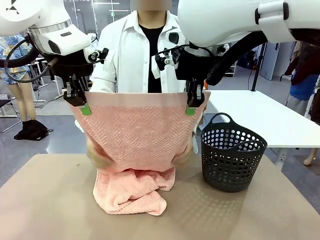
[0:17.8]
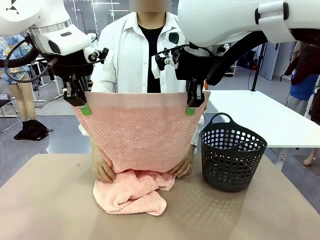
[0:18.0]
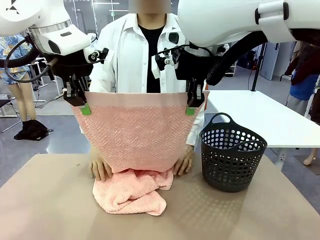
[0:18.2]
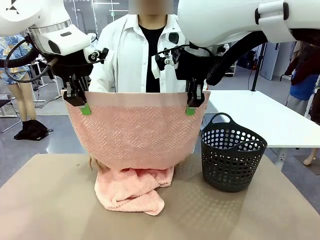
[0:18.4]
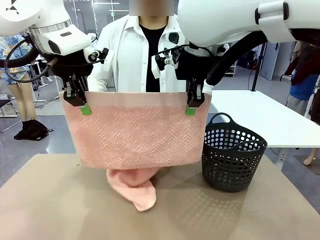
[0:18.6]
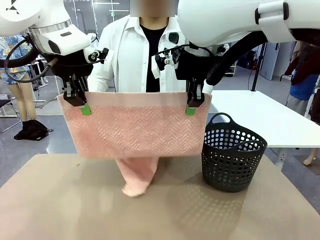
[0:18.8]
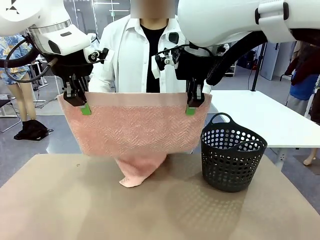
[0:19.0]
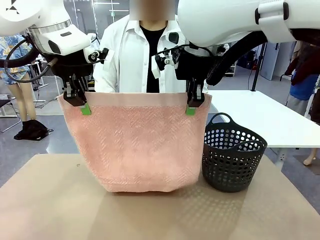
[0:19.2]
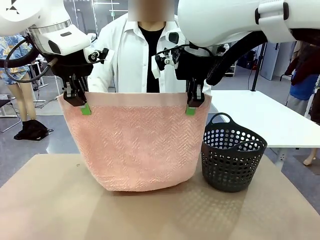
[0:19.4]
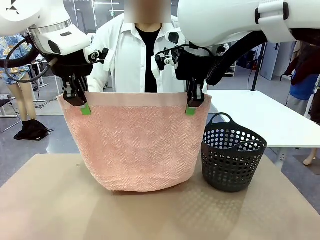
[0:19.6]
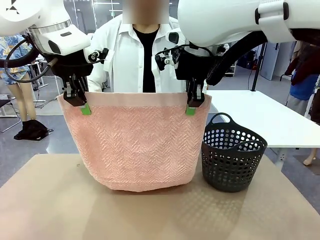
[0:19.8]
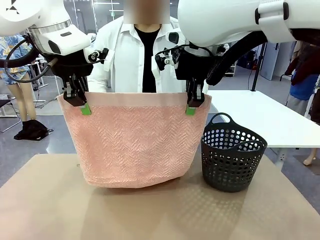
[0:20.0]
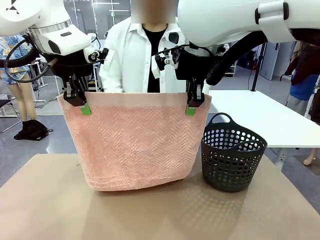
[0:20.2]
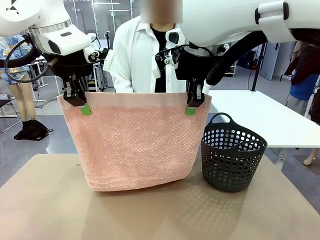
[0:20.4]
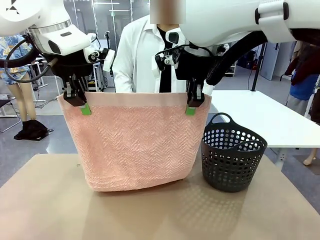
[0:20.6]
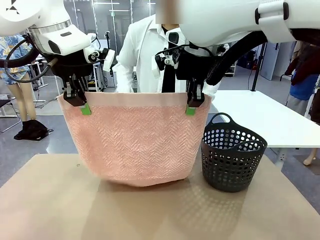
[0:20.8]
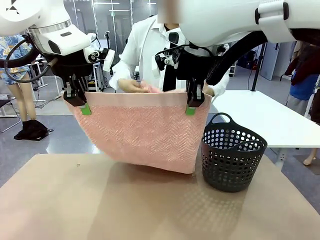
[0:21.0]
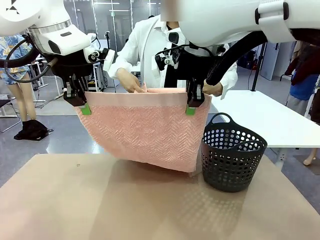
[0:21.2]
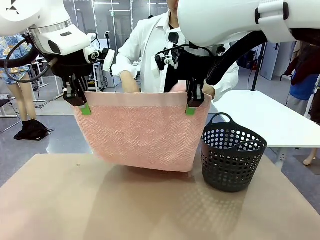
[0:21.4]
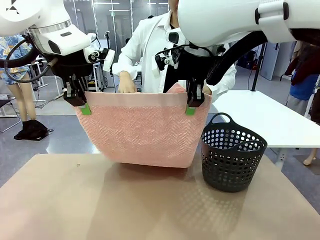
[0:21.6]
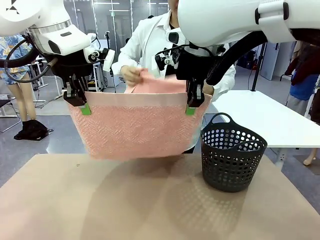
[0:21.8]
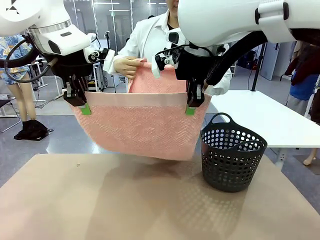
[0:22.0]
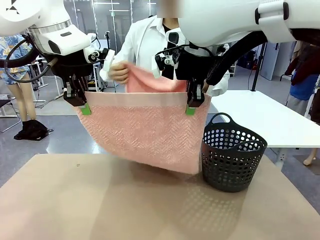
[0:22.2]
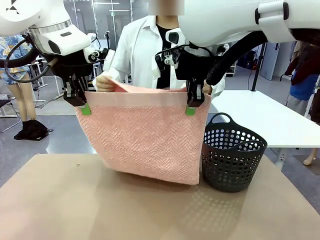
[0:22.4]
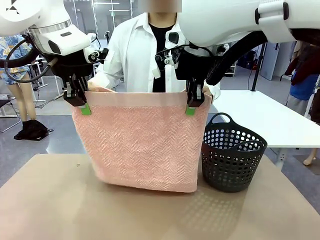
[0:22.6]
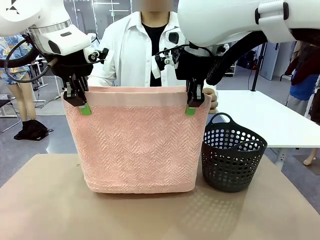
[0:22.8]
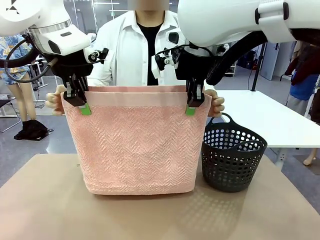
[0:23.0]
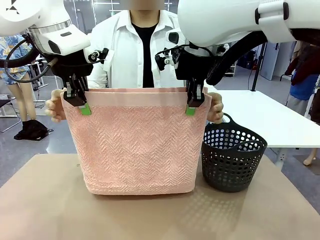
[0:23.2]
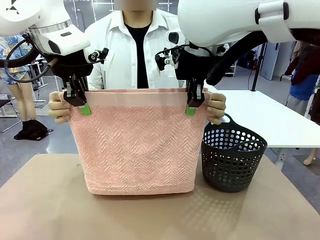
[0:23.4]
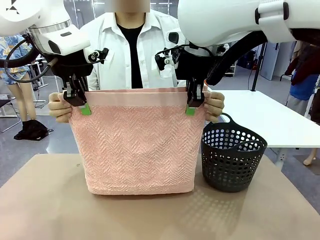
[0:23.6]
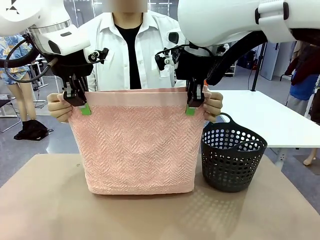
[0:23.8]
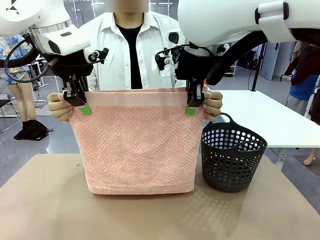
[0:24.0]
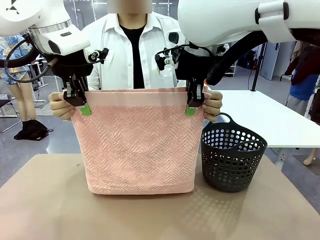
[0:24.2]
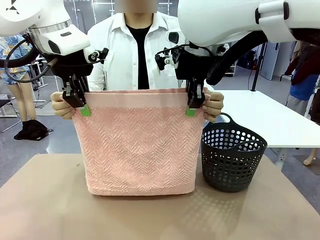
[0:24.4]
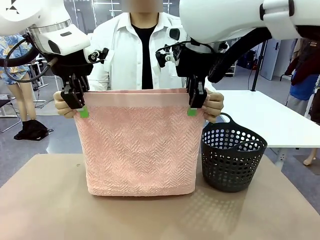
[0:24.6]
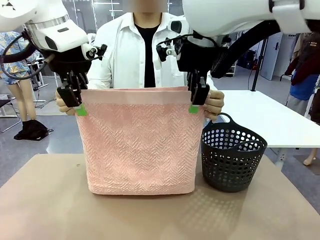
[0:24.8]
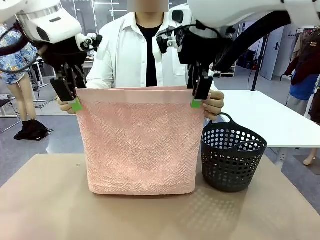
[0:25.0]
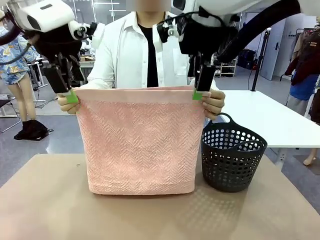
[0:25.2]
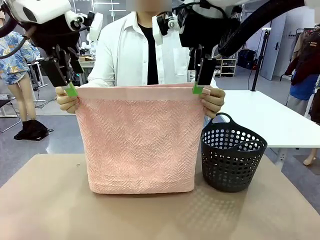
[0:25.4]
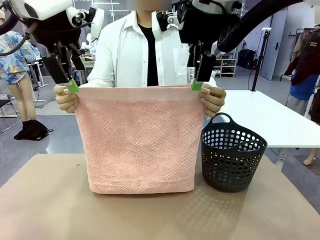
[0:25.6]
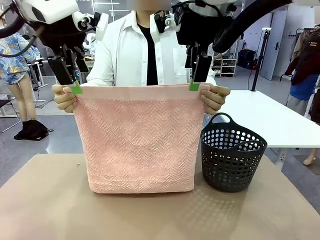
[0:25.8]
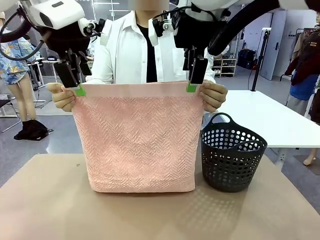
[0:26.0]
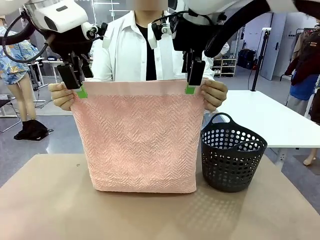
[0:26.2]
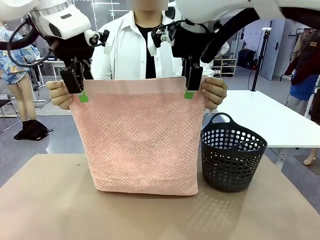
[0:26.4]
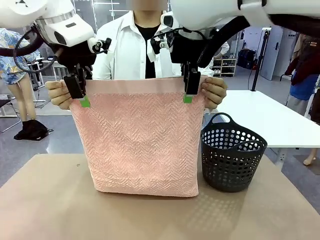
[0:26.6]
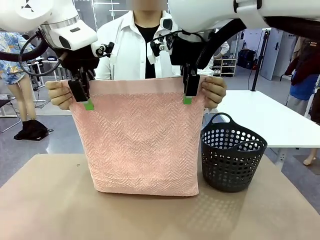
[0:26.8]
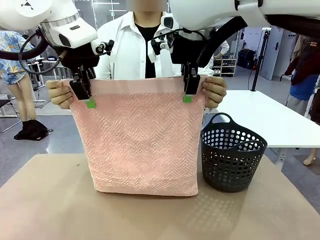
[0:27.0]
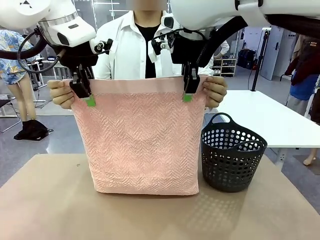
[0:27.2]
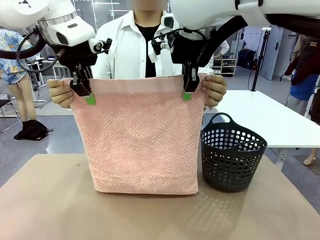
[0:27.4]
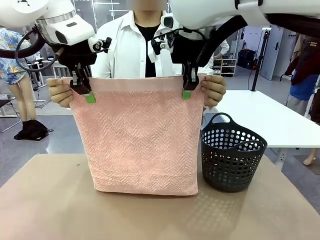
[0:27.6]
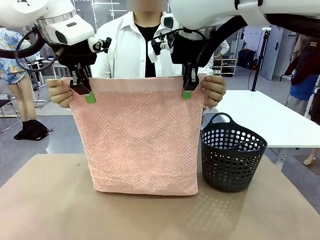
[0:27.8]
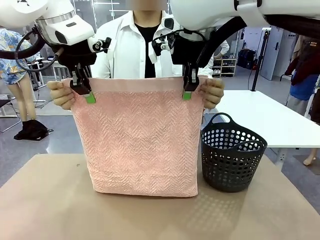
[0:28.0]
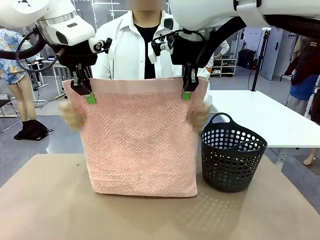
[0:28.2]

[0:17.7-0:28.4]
Task: Fold the towel.
Robot: Release the end of the 100 cm Hotel Towel you were holding and grab the top end of the folded side.
Person: Using the point held by the robot as a reference, grasp the opposite end, fold the towel in half, and then hold both ends of the folded towel.

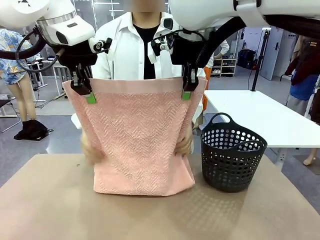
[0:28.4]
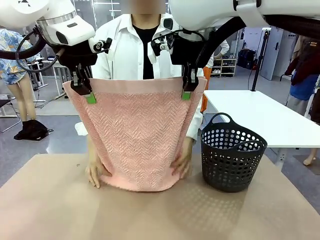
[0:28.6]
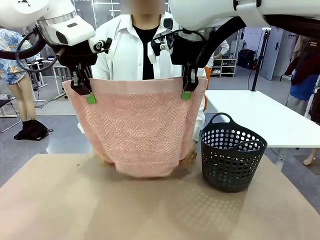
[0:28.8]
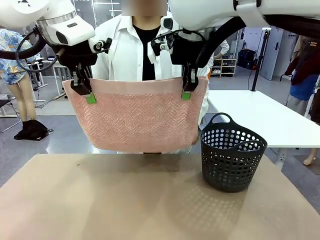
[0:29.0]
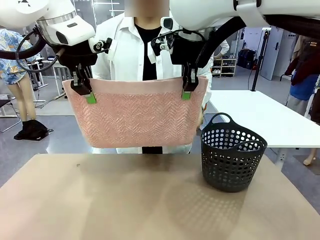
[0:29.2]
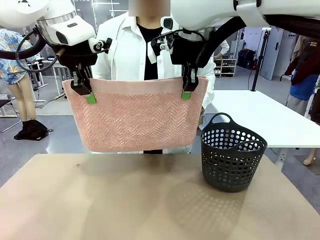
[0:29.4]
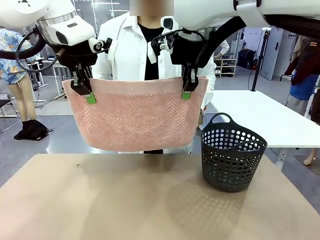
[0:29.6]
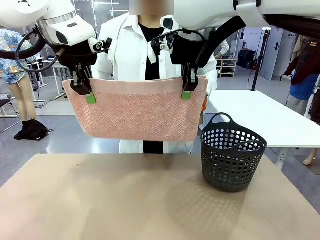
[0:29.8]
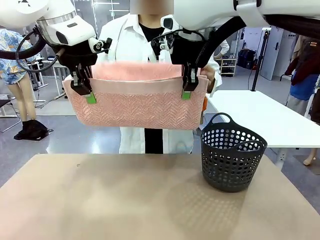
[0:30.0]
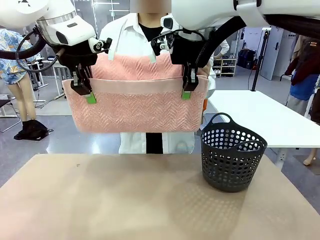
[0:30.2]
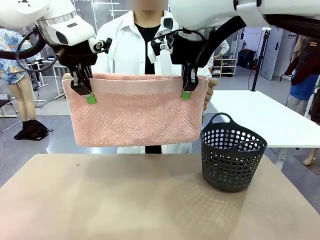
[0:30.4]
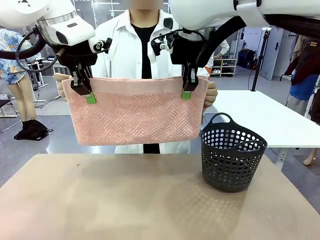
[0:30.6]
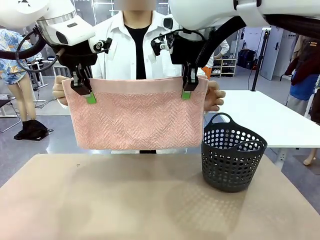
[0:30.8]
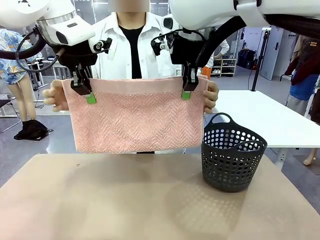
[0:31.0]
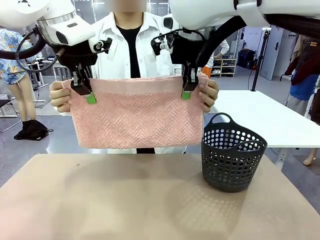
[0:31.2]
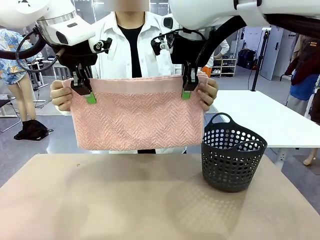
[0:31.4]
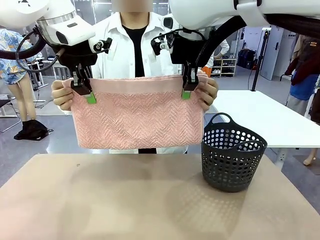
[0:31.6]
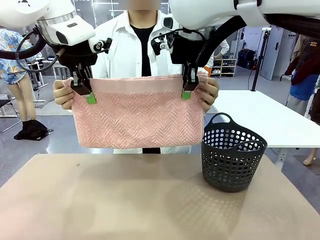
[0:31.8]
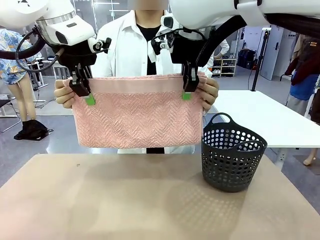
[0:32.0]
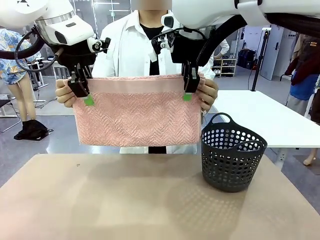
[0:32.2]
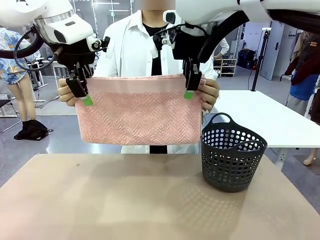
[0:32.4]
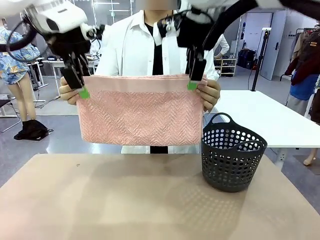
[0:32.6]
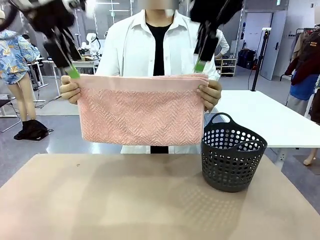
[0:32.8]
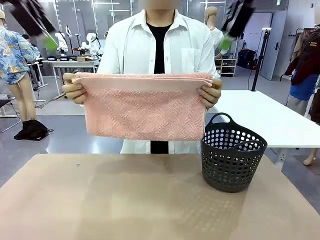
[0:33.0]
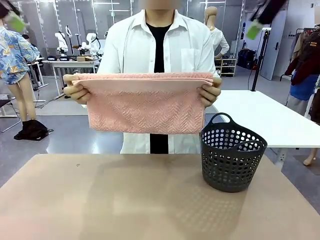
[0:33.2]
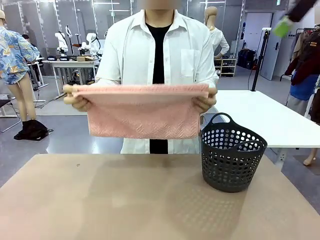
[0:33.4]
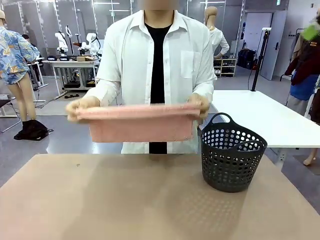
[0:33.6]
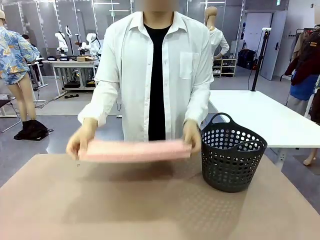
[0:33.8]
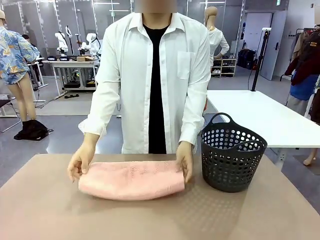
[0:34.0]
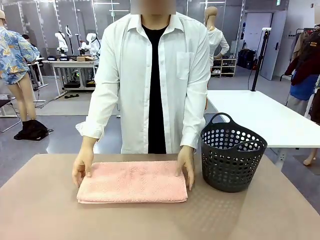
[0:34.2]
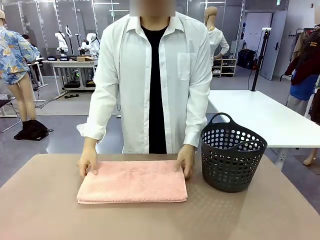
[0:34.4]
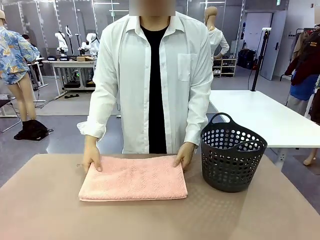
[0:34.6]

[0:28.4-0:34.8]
Robot: Release the end of the 100 cm Hotel Towel you were holding.
Person: Place the towel at the center of the robot table and fold it in half.
